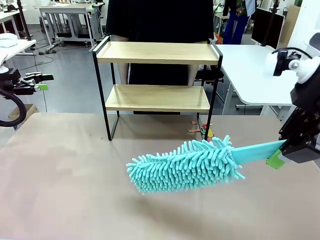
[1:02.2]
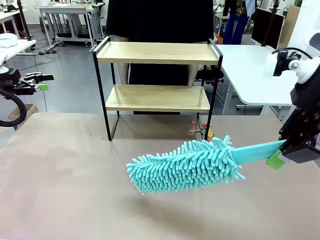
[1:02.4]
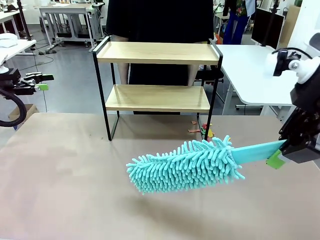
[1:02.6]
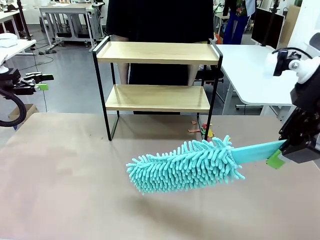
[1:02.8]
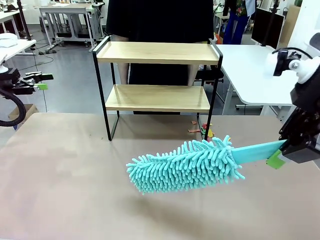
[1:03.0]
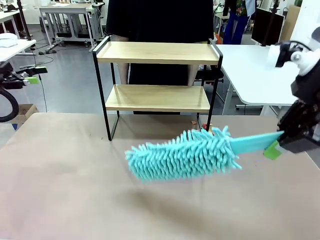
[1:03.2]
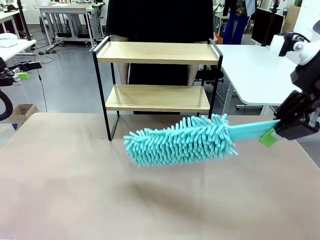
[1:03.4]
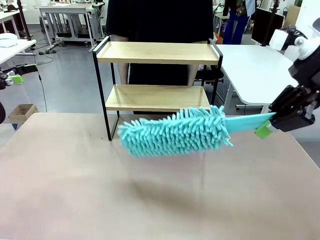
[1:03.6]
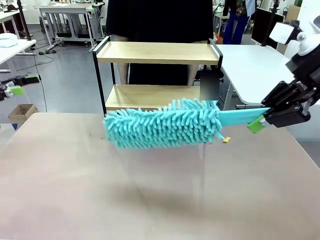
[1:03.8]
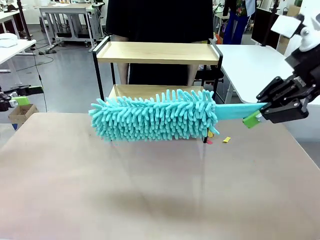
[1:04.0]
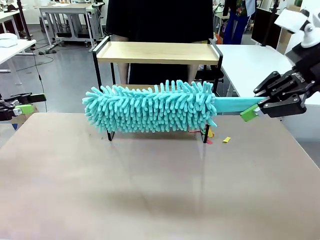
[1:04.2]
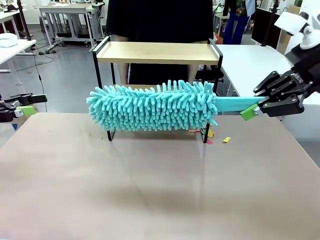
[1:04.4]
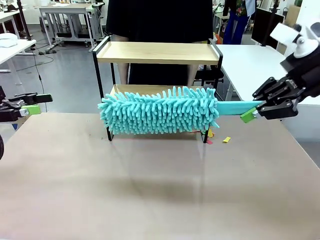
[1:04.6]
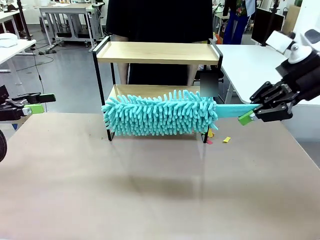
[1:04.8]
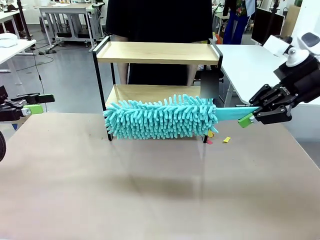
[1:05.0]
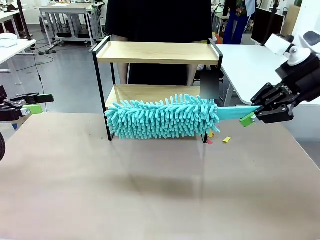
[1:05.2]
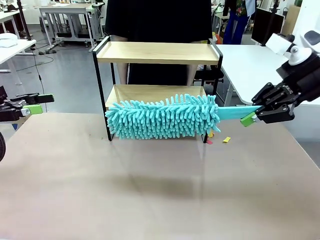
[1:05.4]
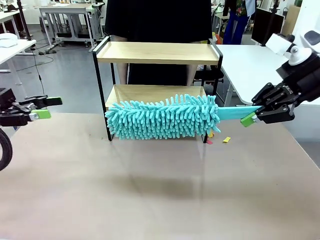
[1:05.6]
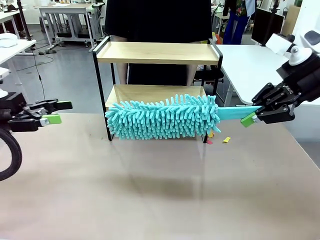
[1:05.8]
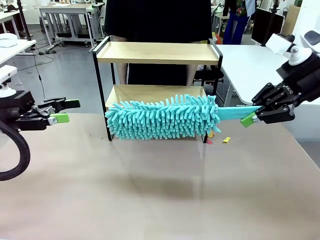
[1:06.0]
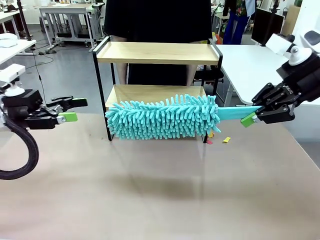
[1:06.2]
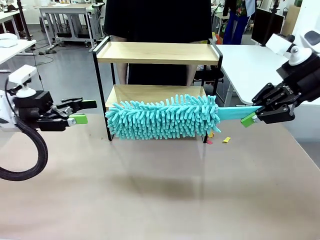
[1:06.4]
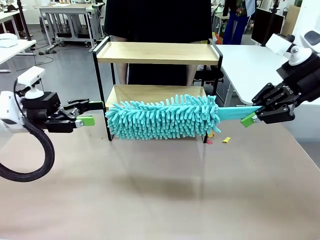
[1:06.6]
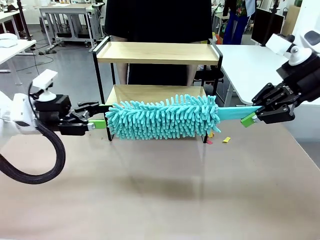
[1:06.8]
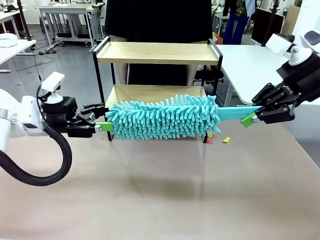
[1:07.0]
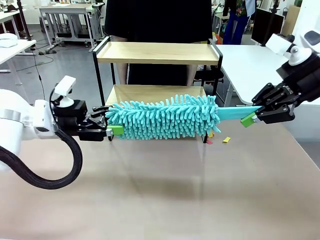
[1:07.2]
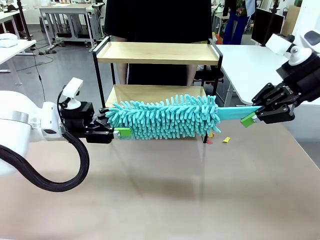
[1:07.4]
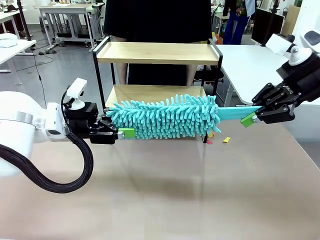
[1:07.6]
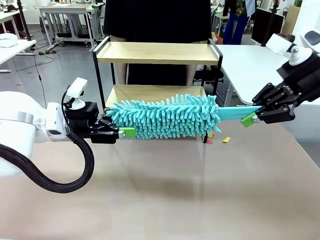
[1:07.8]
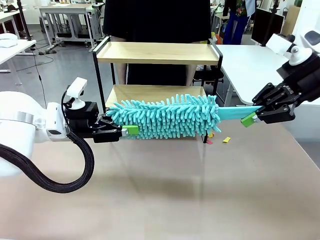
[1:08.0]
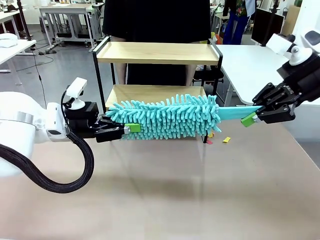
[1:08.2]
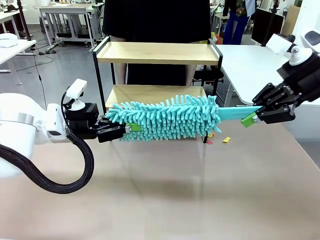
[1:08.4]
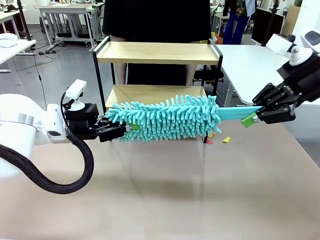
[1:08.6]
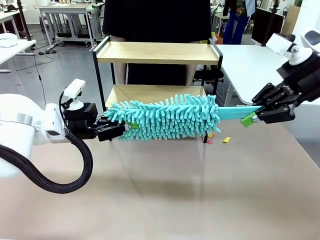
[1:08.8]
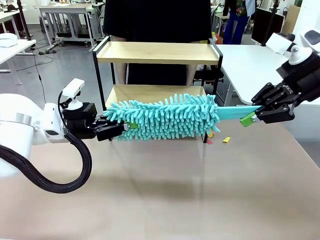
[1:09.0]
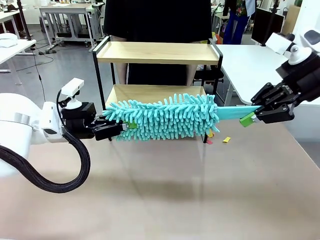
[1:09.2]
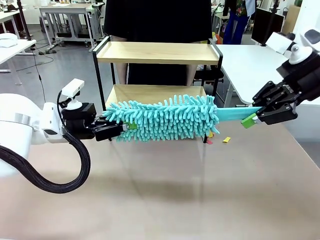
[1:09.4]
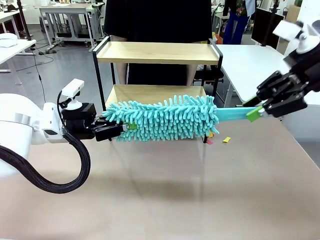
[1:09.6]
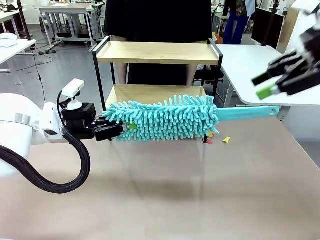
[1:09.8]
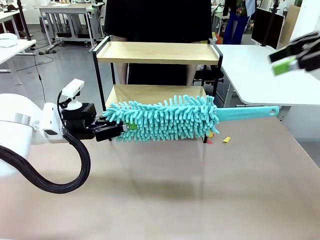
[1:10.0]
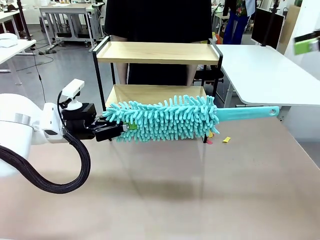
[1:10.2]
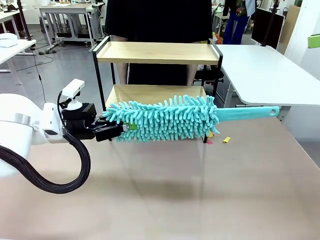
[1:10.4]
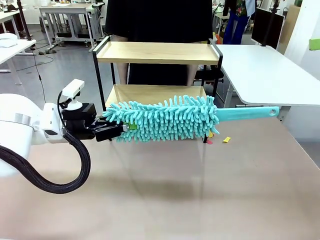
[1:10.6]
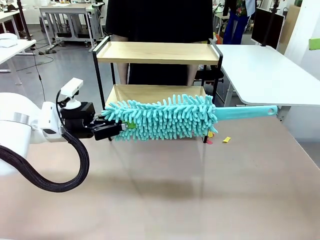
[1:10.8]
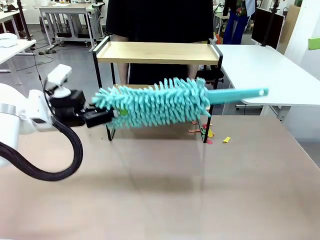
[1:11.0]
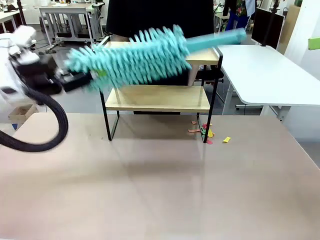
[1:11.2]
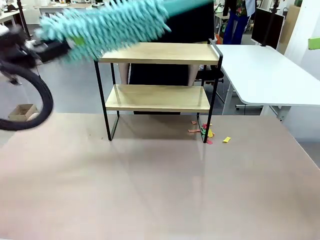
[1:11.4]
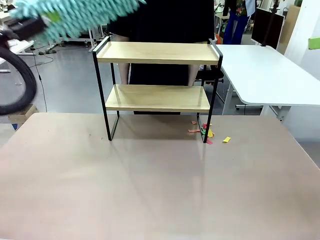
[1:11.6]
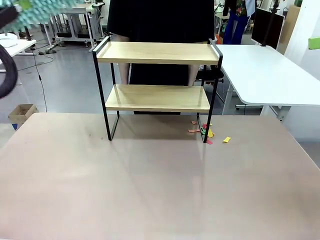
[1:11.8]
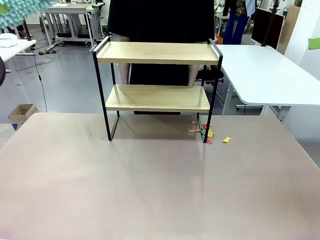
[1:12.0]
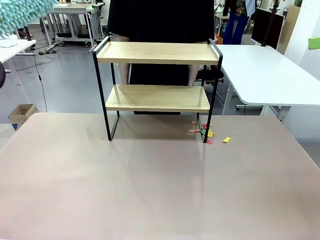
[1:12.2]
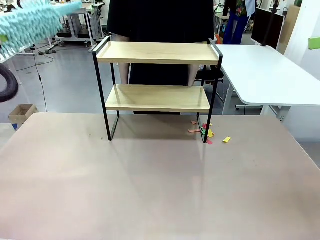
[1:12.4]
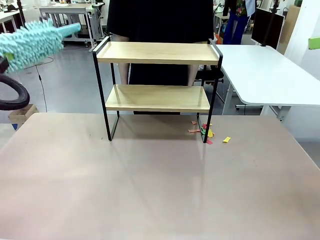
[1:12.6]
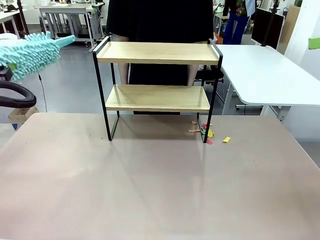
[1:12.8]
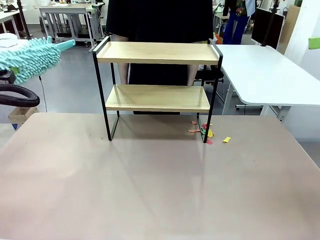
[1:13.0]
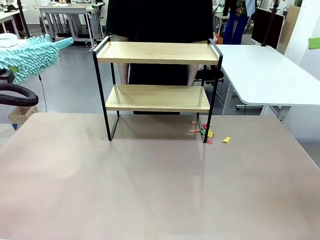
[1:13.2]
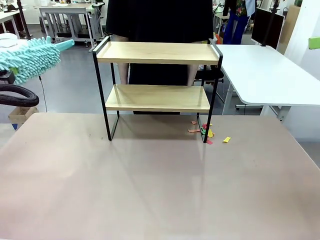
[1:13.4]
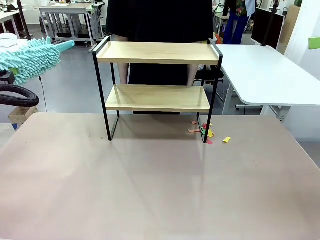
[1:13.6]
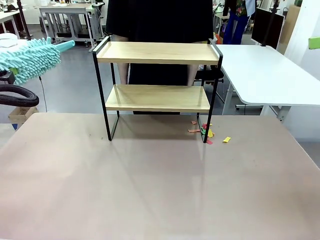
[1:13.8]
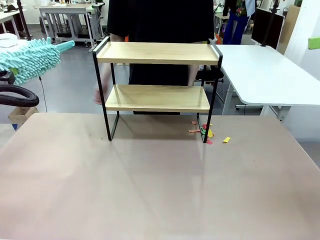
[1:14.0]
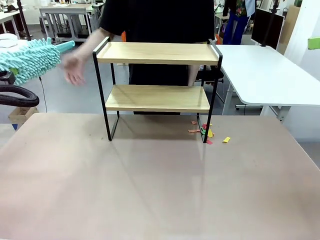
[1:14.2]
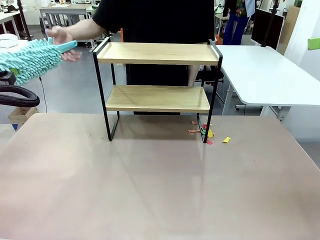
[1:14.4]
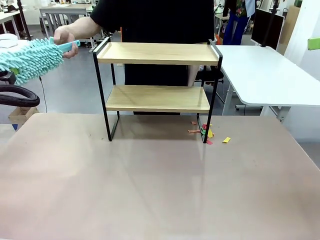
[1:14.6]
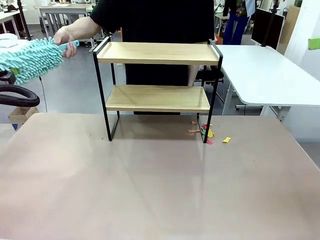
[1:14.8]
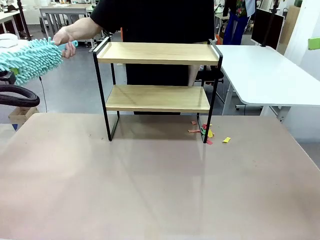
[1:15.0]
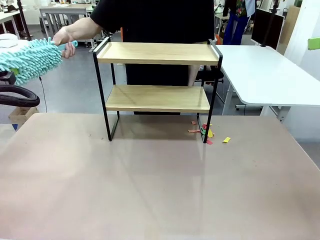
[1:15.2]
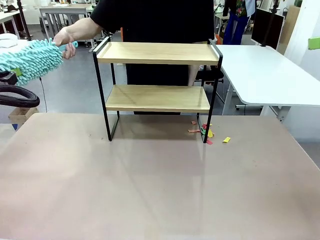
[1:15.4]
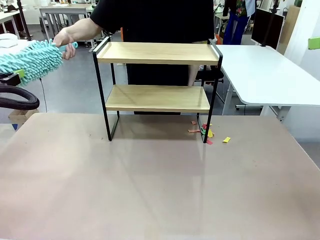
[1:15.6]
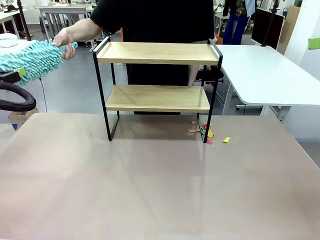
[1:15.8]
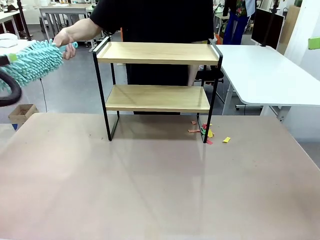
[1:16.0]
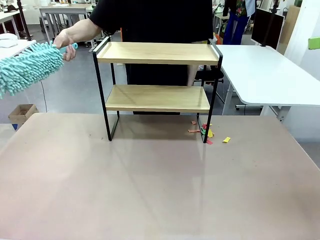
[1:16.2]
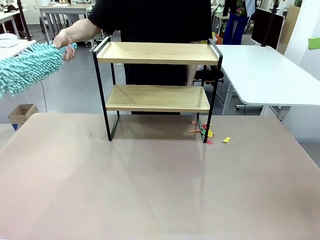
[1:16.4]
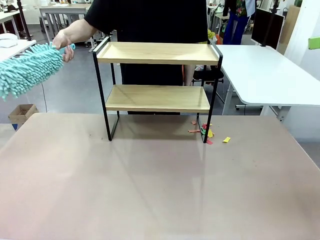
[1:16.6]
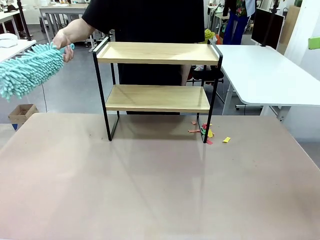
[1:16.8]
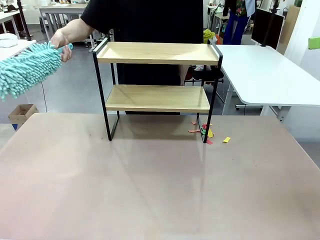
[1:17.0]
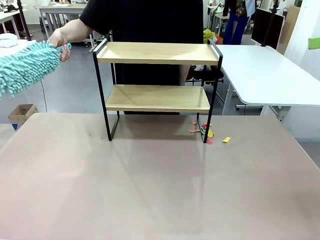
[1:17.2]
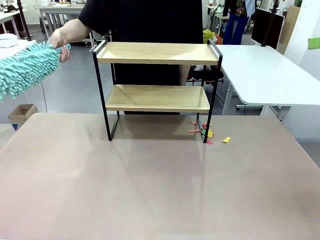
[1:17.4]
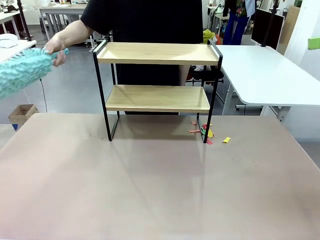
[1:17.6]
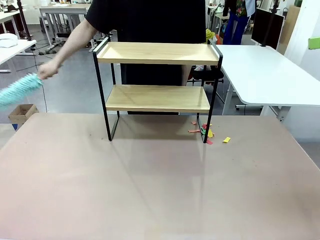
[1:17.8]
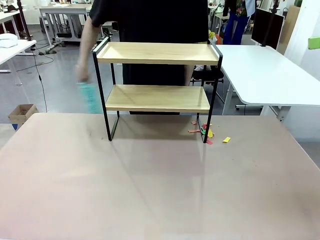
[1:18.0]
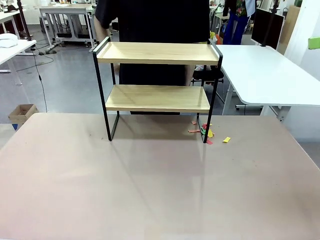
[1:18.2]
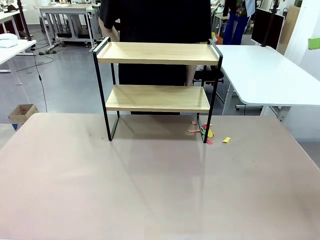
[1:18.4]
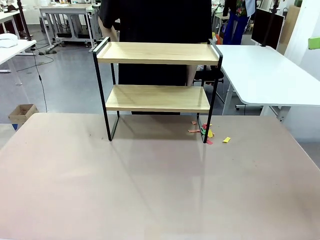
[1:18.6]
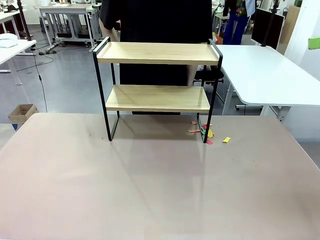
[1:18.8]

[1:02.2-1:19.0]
Task: Clean the shelf.
Robot: Hand the Duster back to the human.
Person: Receive the Duster from the robot.

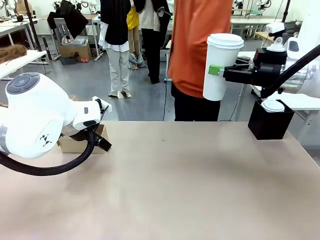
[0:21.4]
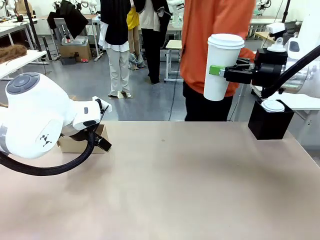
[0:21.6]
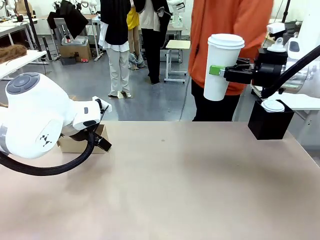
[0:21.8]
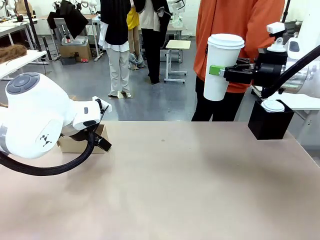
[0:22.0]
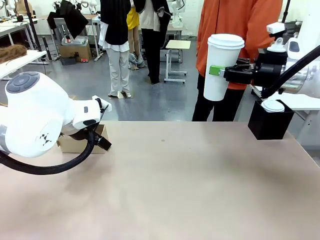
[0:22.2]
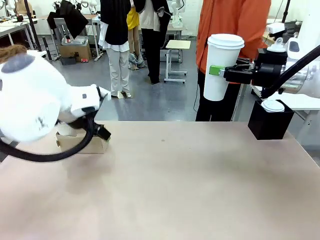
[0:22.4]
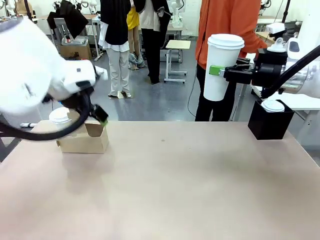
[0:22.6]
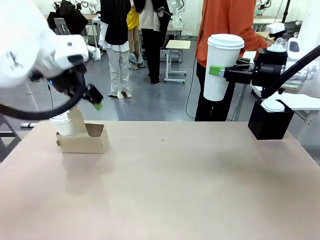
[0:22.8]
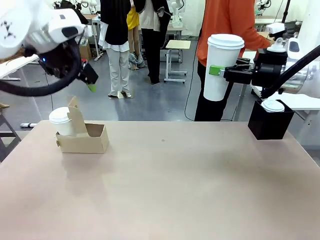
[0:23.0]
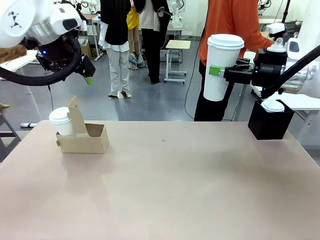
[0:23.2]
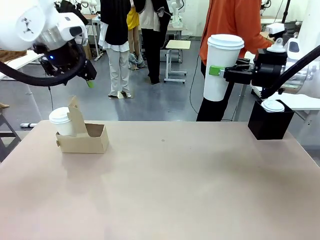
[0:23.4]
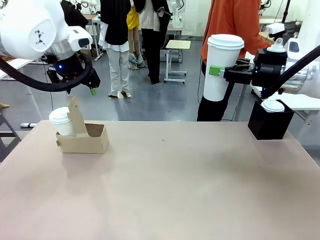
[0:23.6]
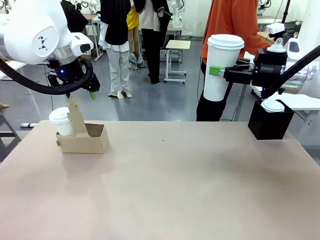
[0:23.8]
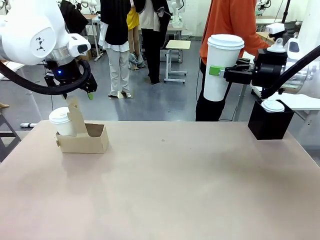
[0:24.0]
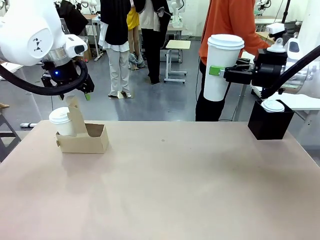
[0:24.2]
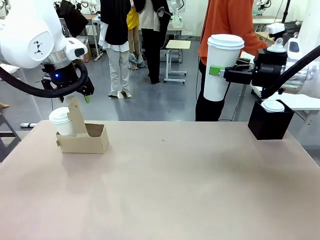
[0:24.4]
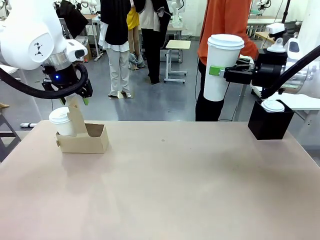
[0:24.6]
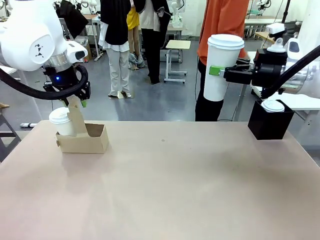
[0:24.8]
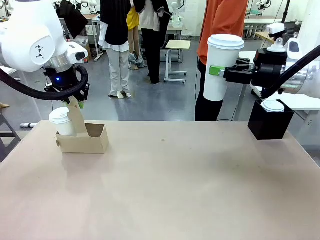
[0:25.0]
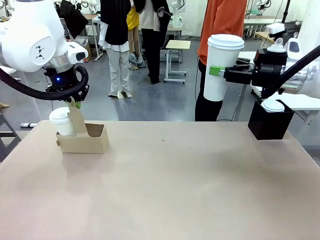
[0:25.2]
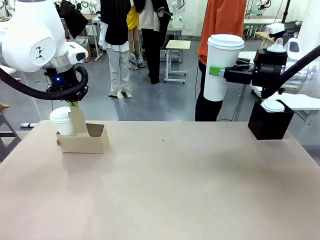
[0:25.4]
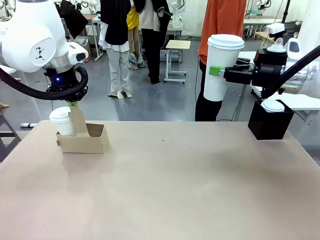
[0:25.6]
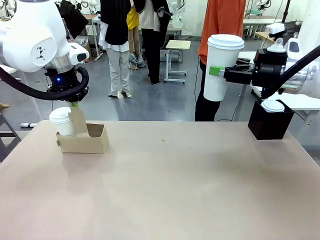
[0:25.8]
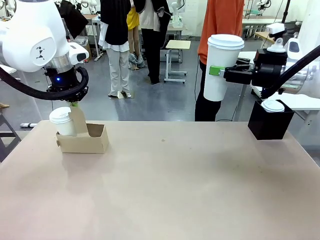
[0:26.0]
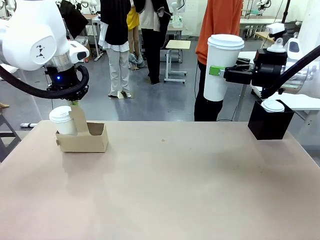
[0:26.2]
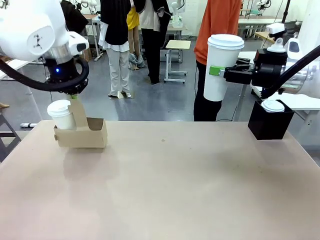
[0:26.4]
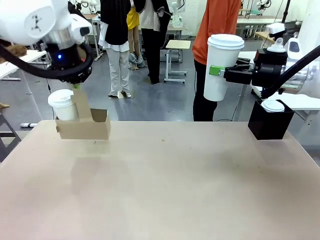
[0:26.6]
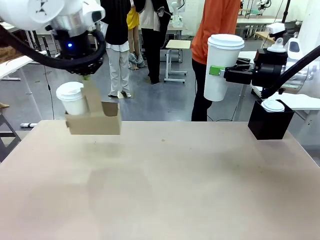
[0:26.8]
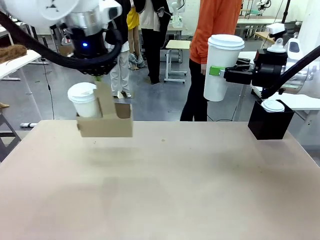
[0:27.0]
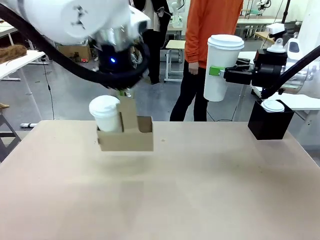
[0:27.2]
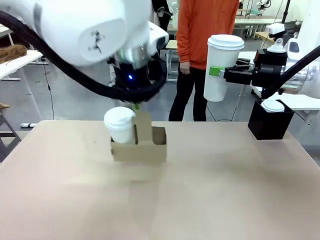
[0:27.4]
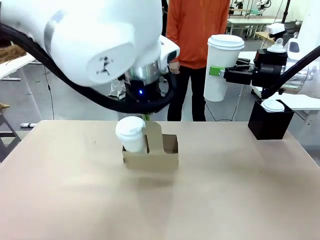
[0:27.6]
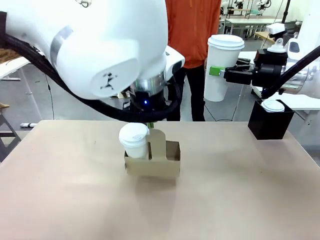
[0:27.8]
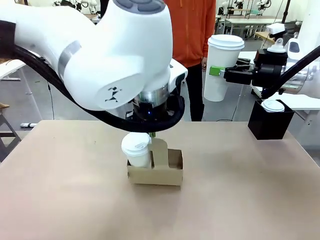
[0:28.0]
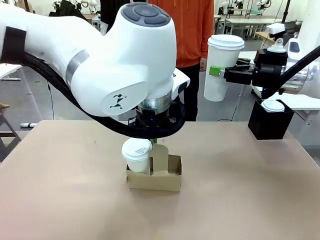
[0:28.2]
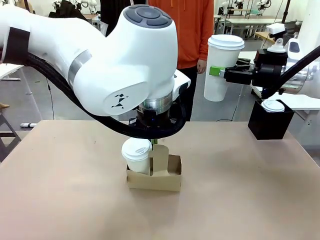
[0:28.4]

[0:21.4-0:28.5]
Task: Pour a drink into a cup and package it in a carrier.
Robot: Position the Cup Carrier in the center of the table.
Person: Pick up the Filter Brewing and place on the middle of Human table, and return to the Robot table.
